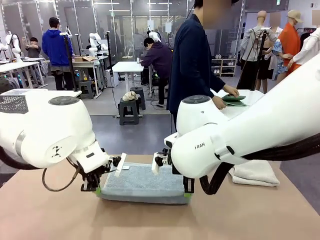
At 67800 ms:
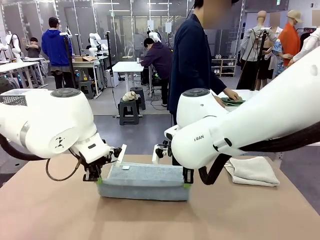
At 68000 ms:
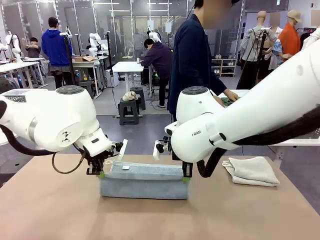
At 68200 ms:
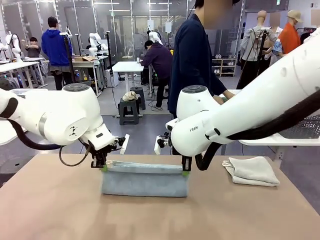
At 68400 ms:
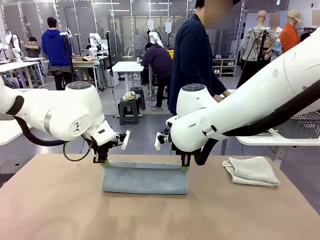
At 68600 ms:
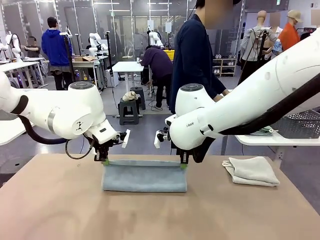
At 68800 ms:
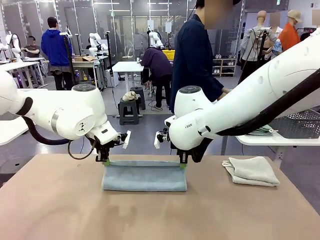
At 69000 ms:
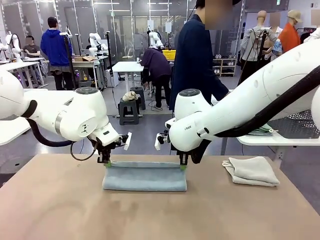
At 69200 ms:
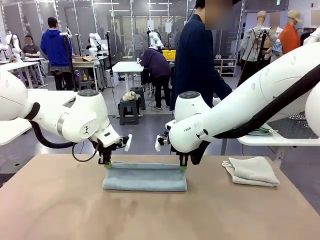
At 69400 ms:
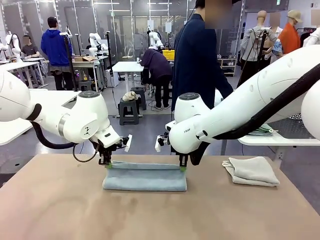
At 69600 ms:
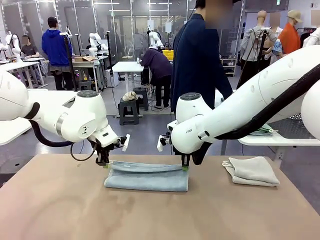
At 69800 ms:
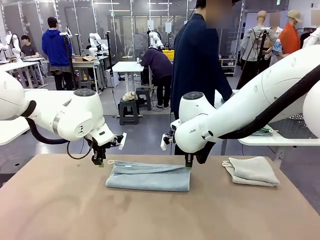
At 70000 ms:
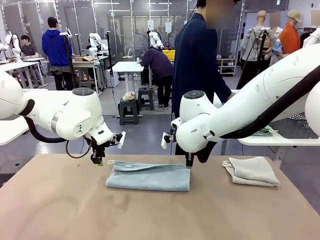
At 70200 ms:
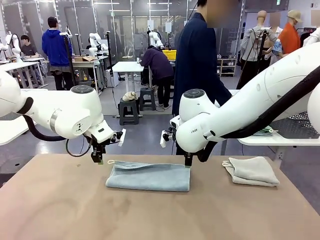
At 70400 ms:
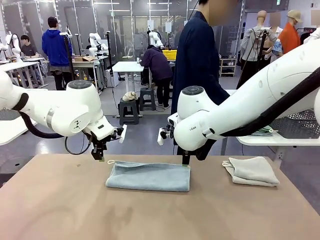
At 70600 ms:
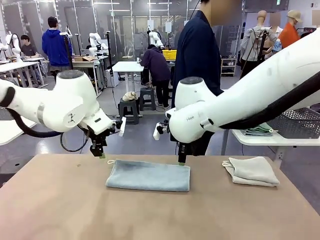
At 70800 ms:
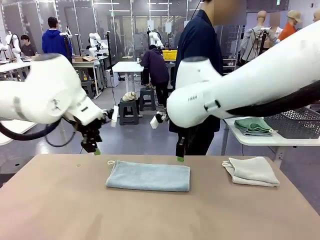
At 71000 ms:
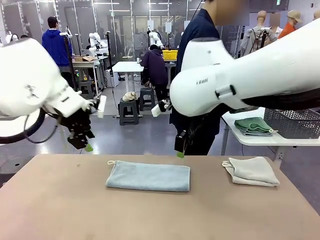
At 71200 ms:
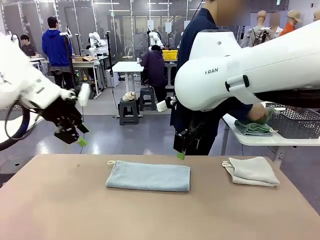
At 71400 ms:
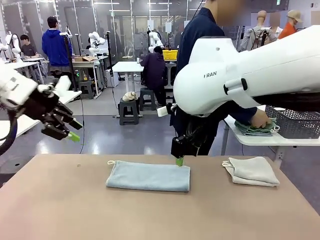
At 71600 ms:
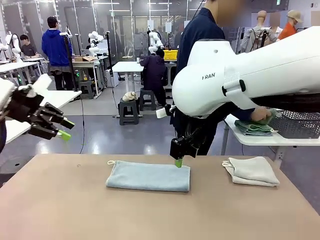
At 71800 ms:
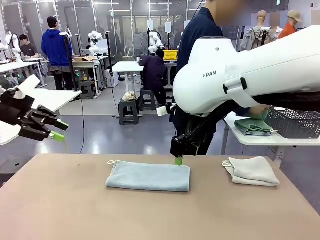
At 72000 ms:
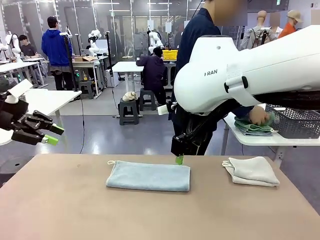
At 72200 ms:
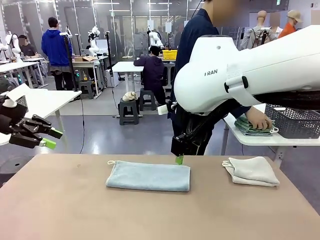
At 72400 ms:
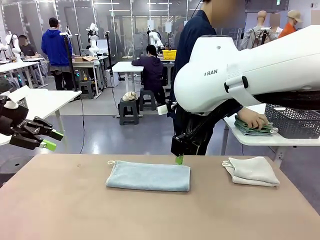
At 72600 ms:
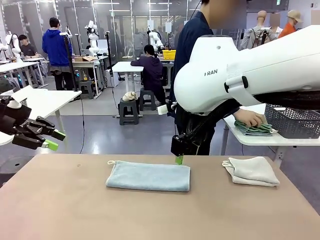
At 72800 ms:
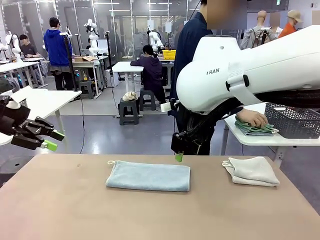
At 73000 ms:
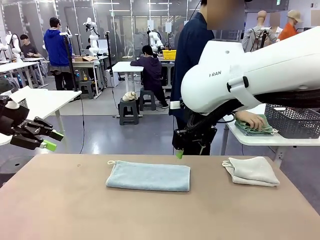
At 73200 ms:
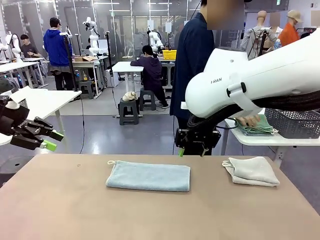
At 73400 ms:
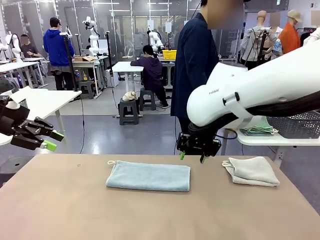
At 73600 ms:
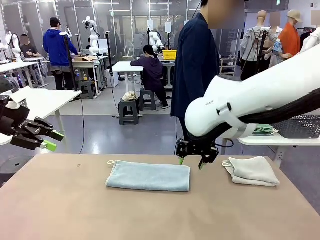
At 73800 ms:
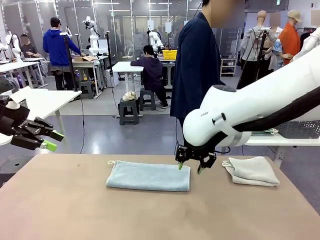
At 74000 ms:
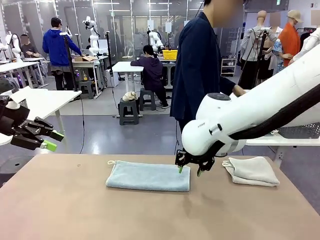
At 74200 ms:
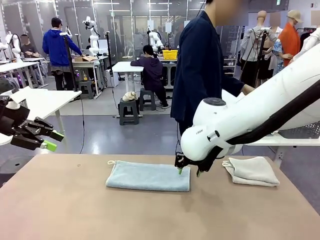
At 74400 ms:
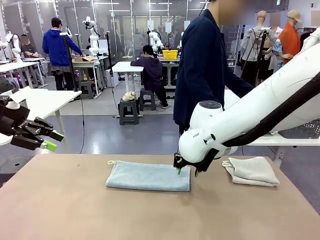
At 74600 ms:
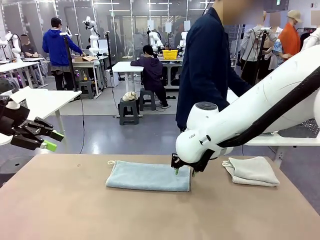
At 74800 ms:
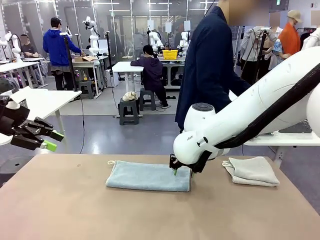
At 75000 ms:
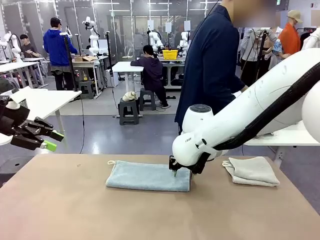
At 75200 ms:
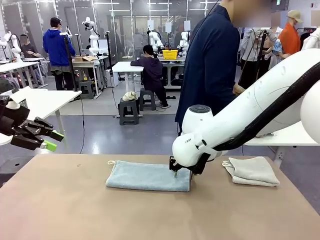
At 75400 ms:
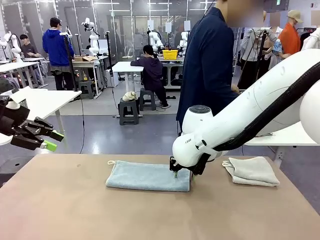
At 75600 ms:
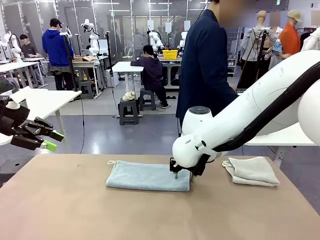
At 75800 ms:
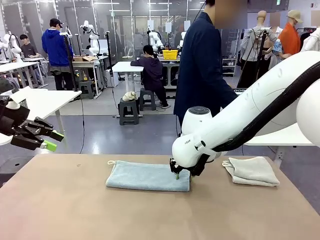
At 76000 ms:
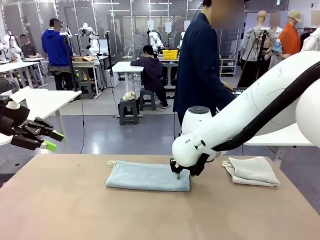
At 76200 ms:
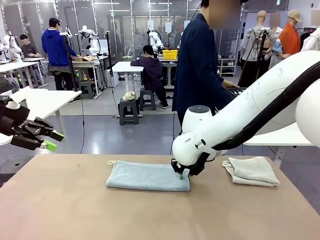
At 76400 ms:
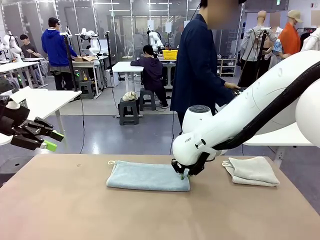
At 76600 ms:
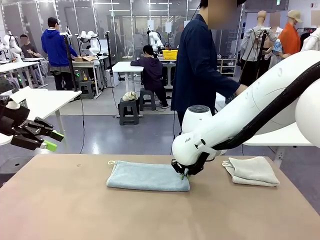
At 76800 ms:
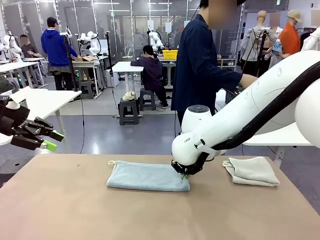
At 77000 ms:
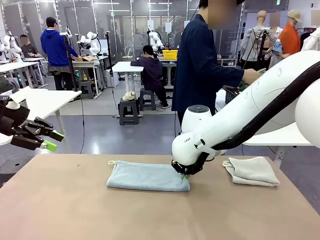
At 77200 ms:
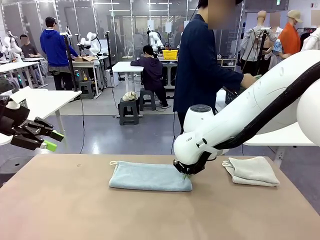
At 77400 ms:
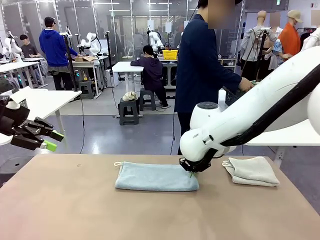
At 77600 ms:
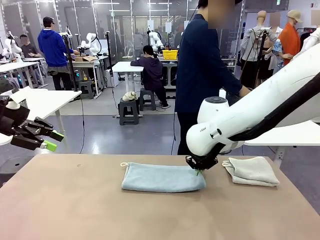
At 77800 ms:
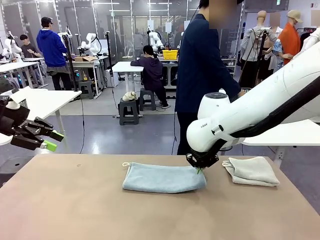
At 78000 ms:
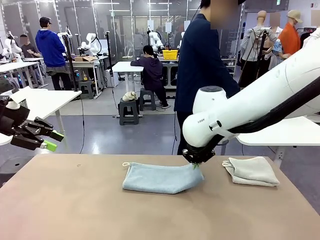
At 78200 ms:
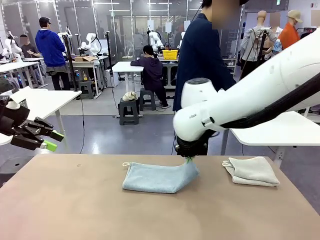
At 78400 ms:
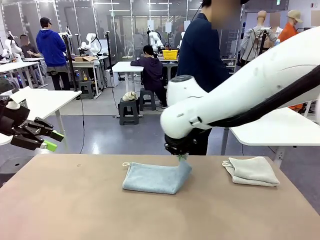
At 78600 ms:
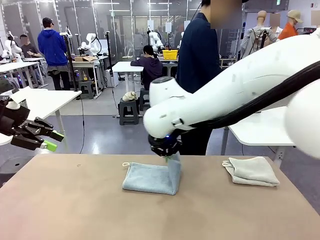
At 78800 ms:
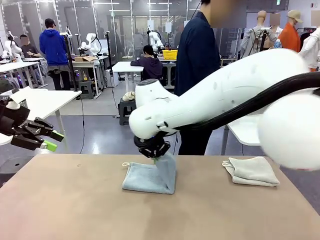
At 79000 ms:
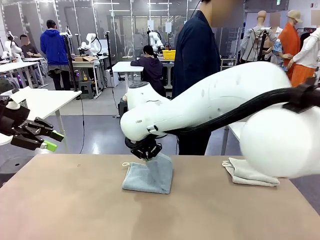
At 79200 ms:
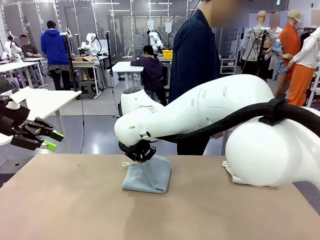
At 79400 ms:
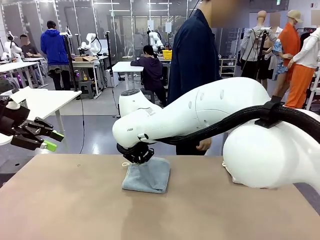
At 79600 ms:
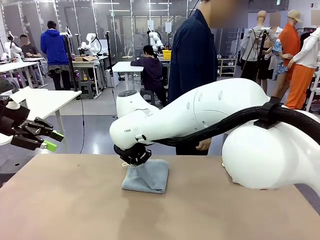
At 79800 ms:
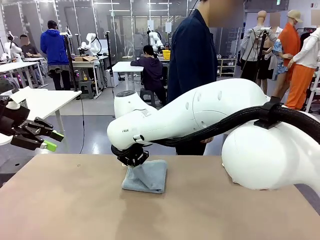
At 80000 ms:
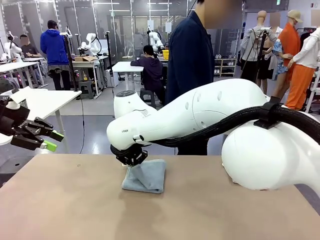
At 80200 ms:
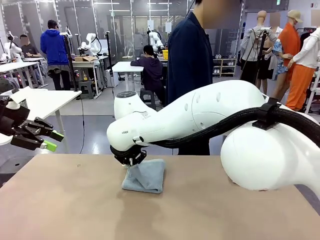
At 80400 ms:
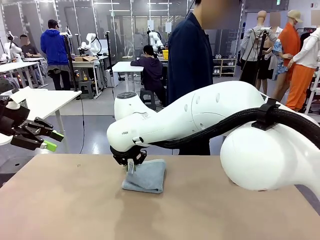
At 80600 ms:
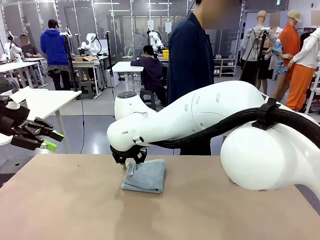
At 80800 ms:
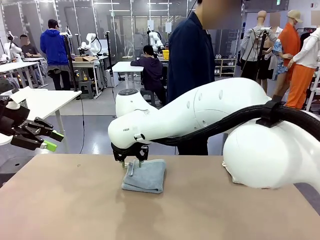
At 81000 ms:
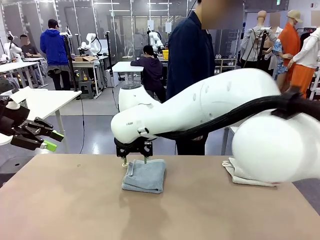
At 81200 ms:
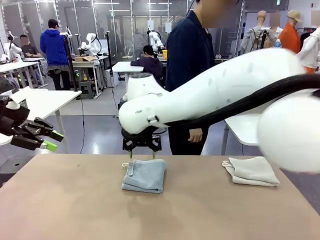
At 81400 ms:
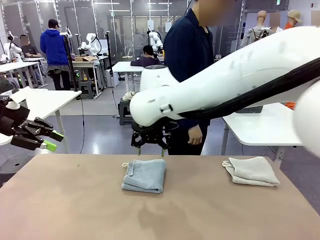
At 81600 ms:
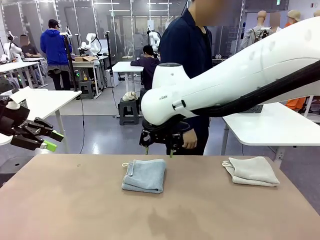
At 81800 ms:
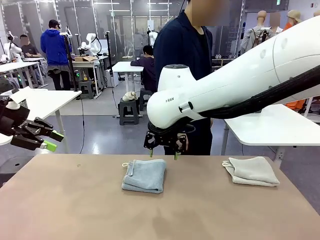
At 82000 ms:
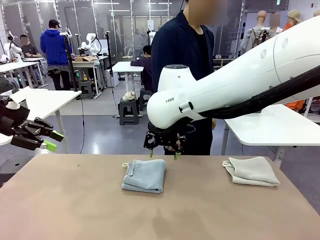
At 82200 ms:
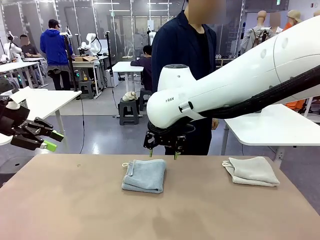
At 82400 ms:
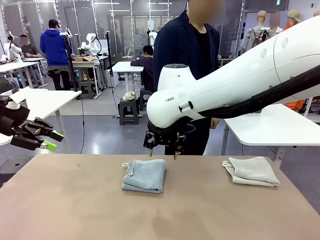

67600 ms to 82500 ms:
Task: Fold the towels and place them in the basket.
Robot: When a person lays out a Towel with hook on the table, fold it in half twice.
Person: Pick up the stack of towels from the right side of the human table, place it into the basket, and put the basket at the center of the table.
